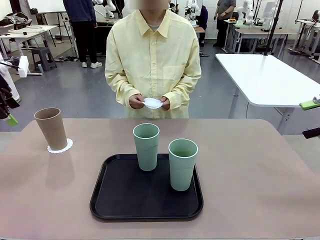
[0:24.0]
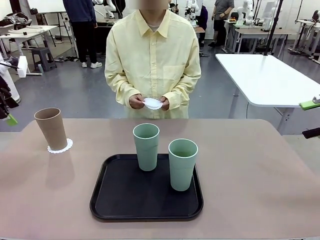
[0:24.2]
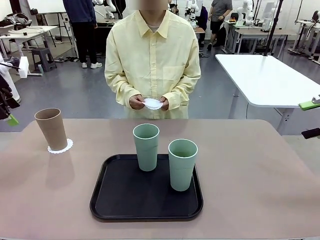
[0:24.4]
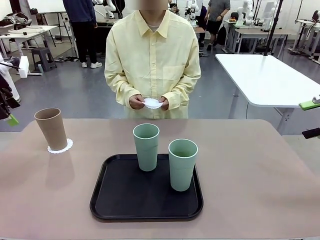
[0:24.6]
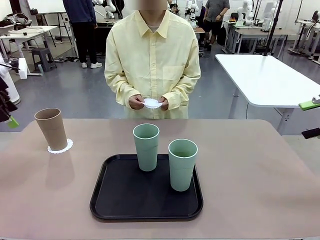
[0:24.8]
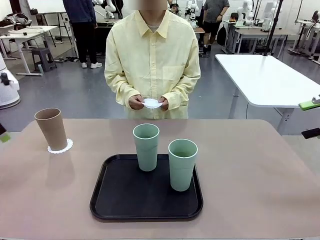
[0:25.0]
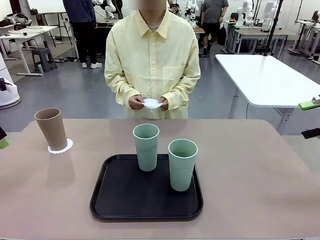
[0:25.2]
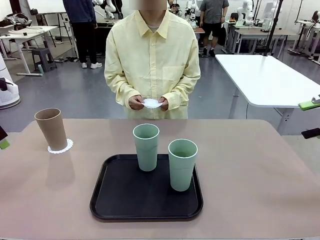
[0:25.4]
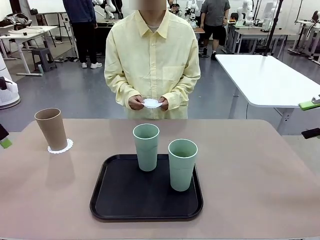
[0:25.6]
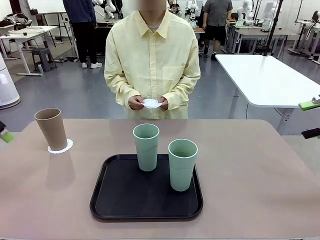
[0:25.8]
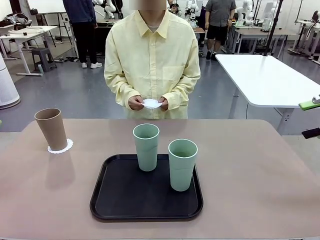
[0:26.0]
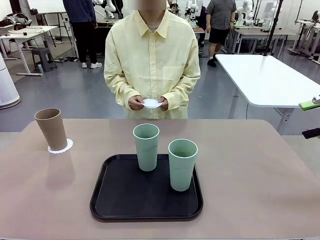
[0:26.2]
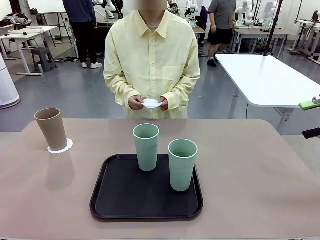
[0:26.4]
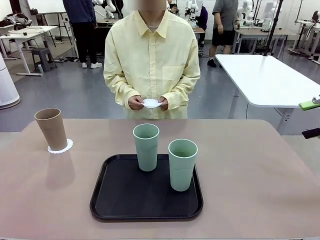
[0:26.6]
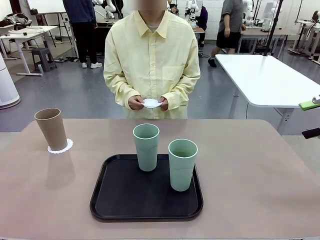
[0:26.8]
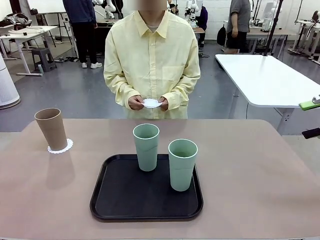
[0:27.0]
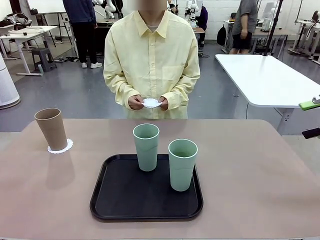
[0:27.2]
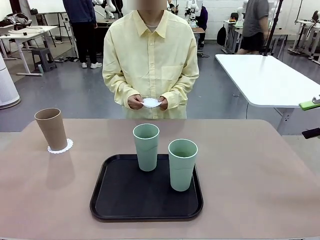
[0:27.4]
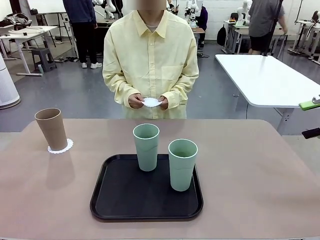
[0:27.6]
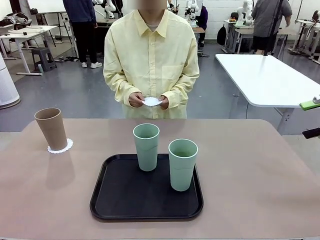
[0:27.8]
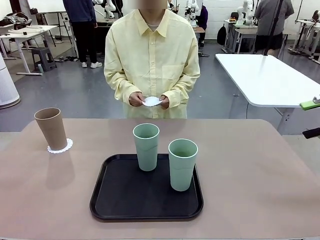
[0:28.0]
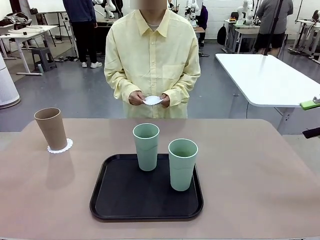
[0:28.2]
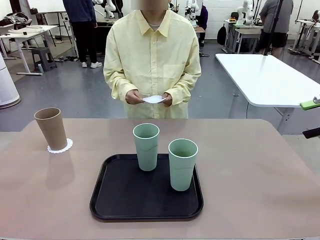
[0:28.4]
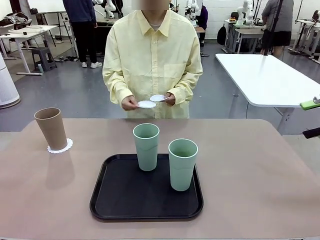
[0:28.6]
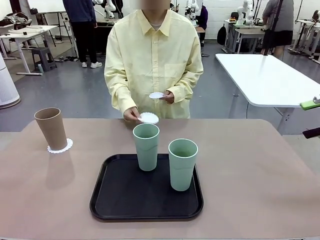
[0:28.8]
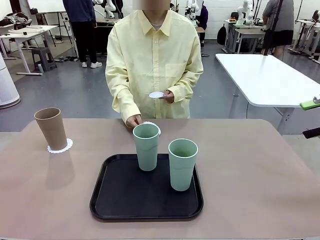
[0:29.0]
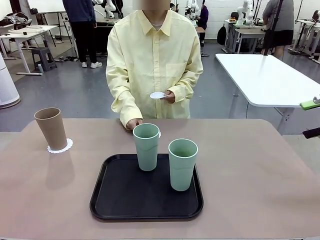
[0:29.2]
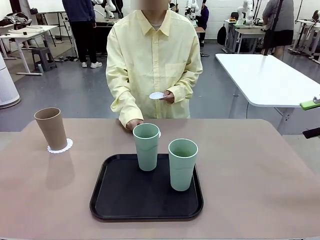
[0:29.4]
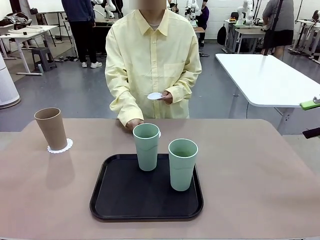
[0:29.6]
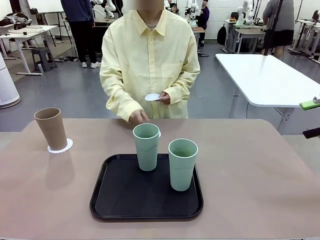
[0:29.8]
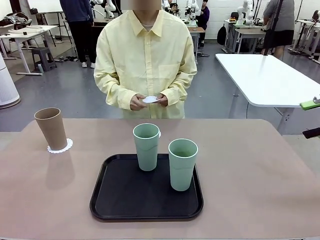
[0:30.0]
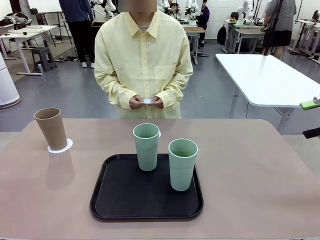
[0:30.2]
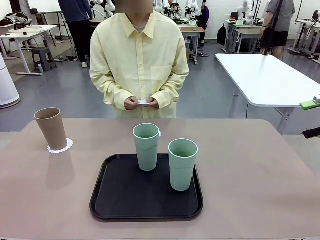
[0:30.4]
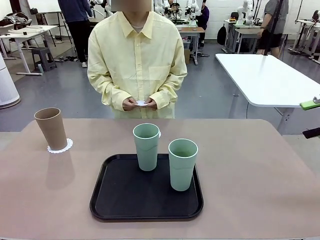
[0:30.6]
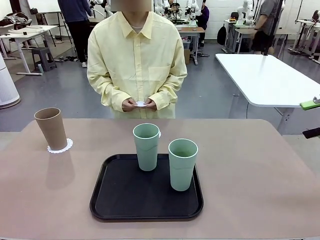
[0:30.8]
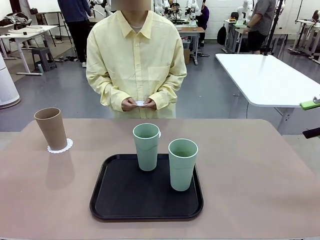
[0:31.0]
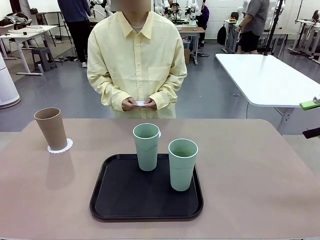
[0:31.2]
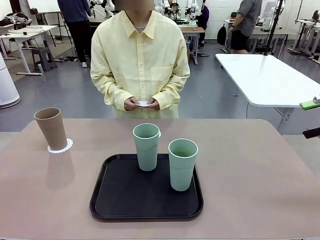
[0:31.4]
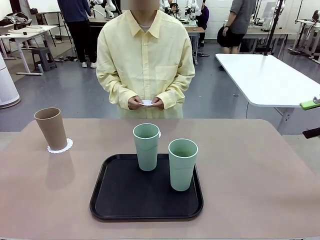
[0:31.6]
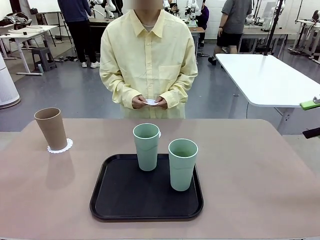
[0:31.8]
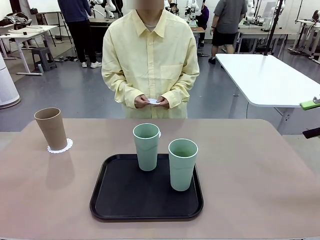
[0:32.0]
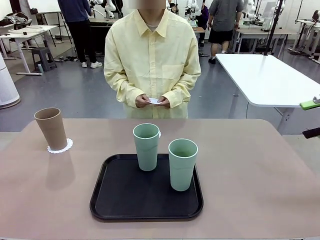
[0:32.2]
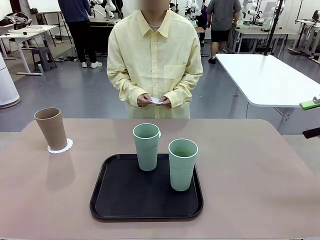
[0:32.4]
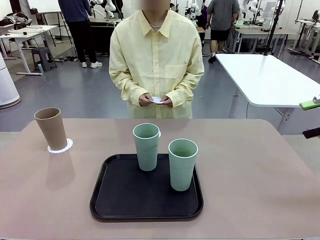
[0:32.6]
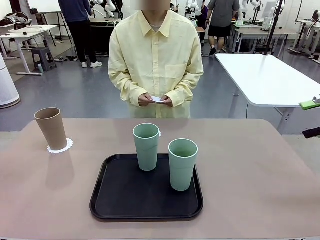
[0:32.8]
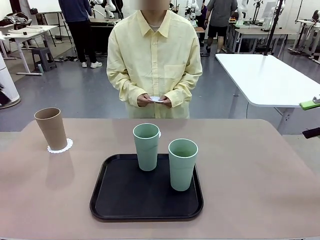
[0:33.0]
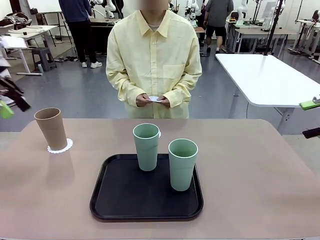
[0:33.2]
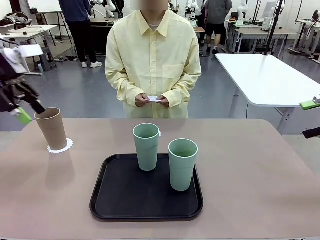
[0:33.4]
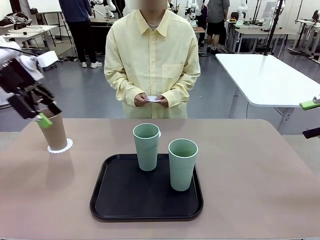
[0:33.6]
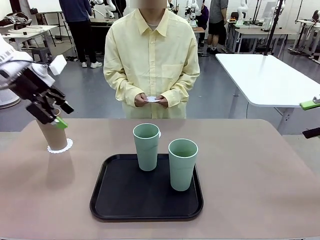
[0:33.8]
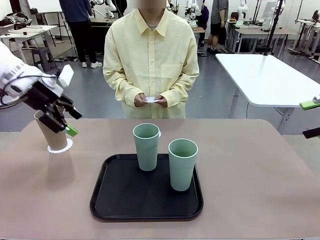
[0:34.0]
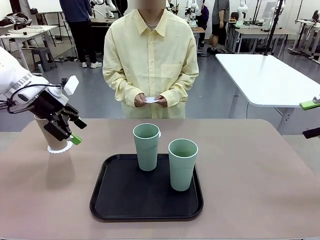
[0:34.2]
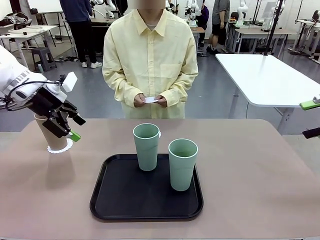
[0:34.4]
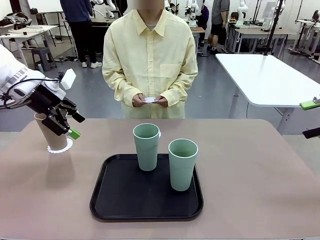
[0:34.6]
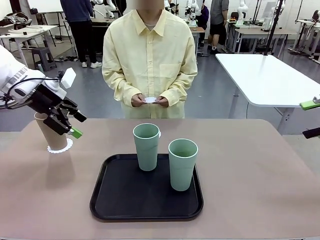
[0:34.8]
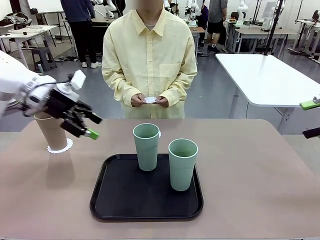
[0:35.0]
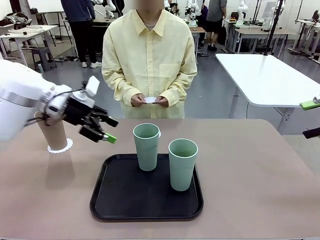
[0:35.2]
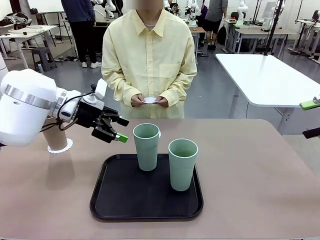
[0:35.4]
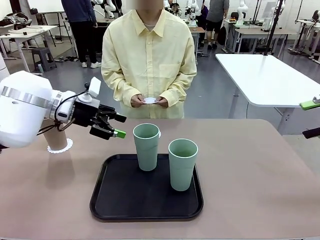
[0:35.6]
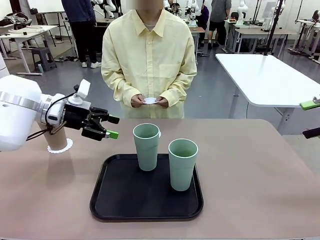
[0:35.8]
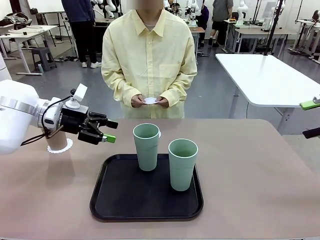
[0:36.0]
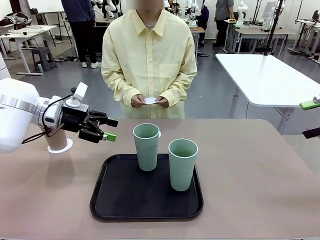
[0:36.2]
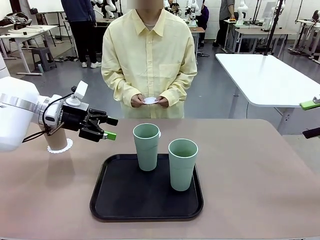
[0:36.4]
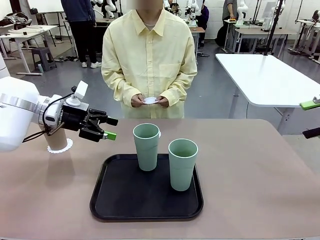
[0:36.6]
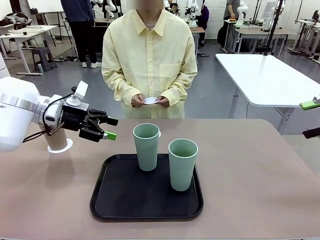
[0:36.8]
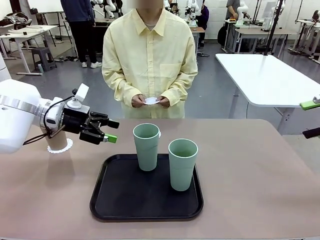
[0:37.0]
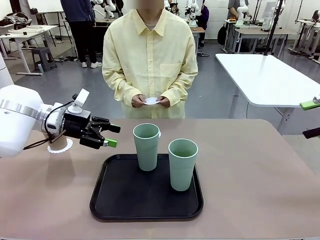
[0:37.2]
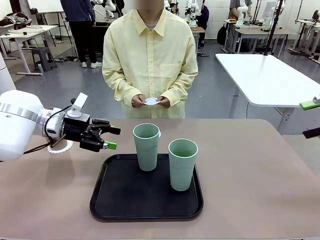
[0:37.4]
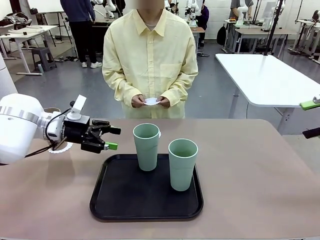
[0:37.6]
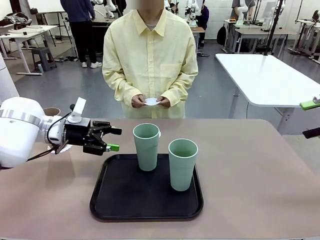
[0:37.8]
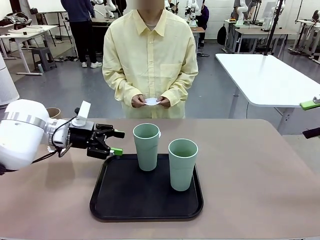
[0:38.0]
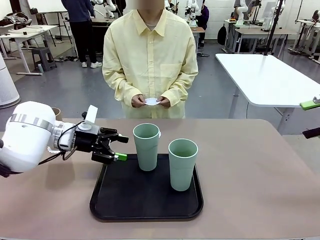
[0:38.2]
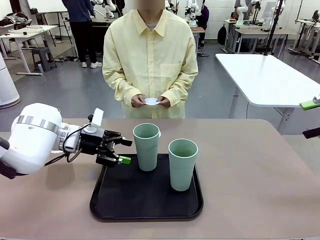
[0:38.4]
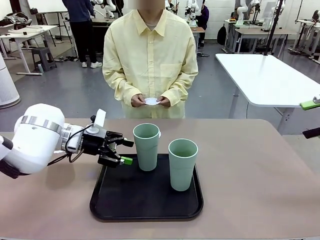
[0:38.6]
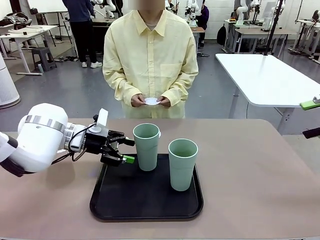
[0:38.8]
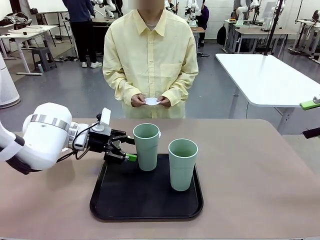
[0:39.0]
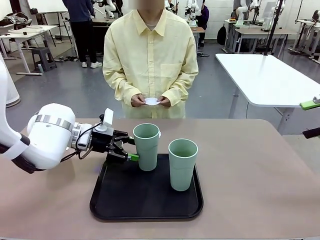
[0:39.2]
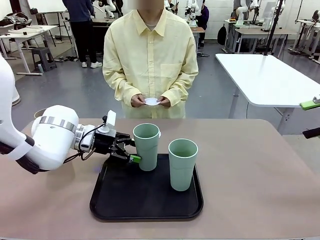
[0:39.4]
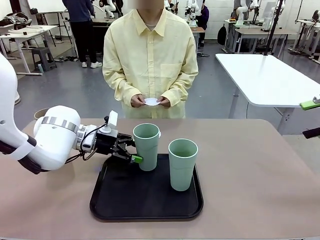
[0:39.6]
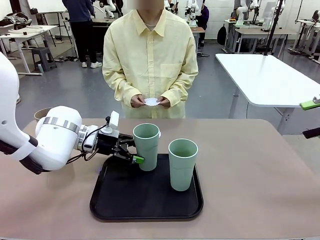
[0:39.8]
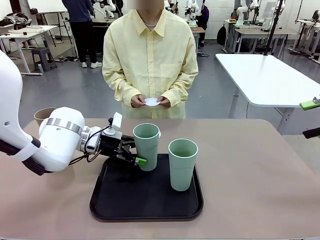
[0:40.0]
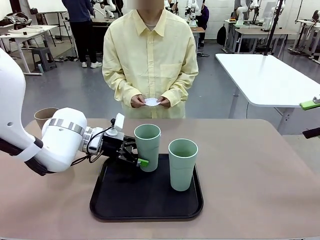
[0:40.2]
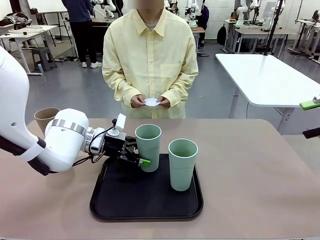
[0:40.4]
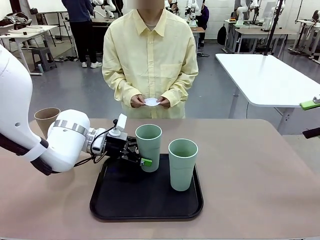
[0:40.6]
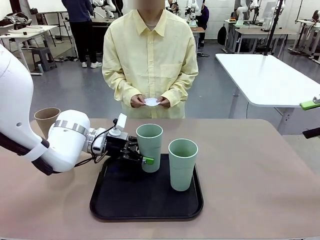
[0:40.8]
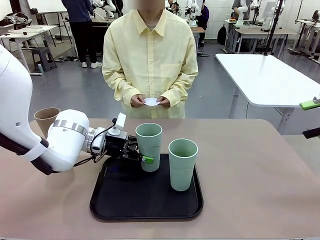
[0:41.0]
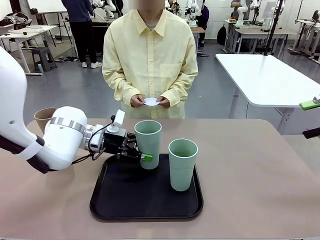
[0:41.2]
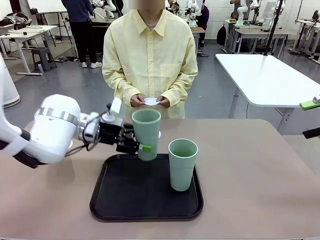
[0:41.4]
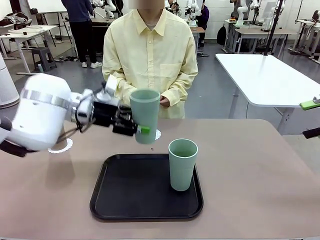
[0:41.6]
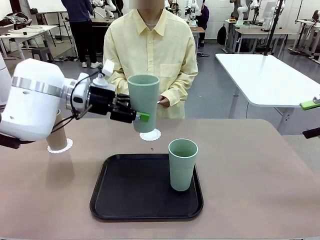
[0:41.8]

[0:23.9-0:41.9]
Task: Place coasters on the table and set cups on them.
Robot: Take one Reusable plastic cup from the Flat Tray and place it on a coaster set by the human.
